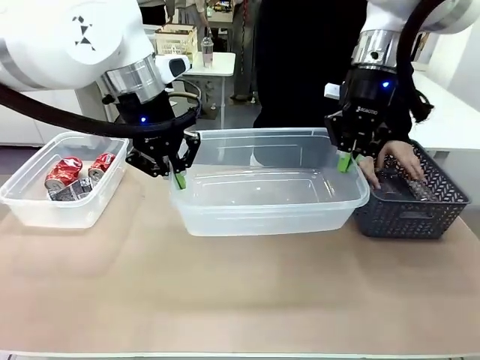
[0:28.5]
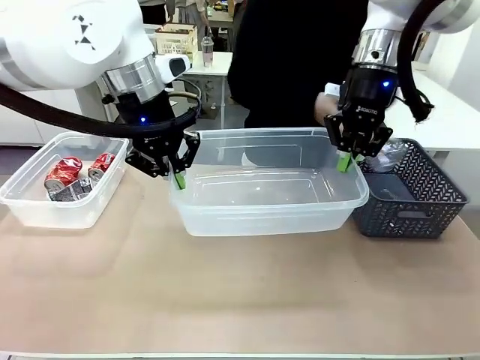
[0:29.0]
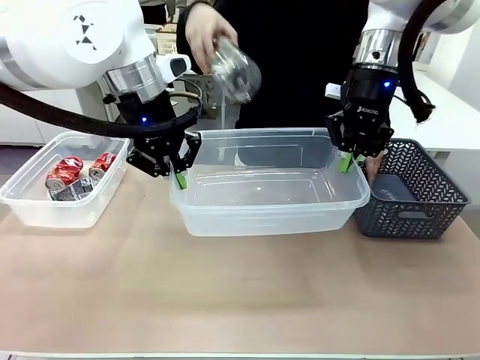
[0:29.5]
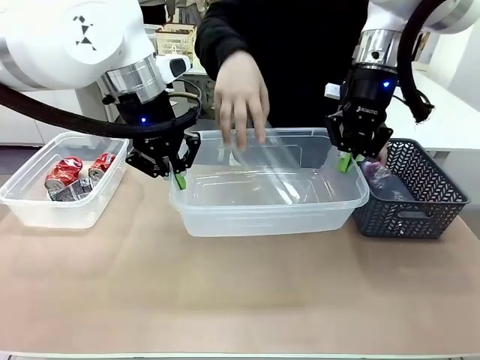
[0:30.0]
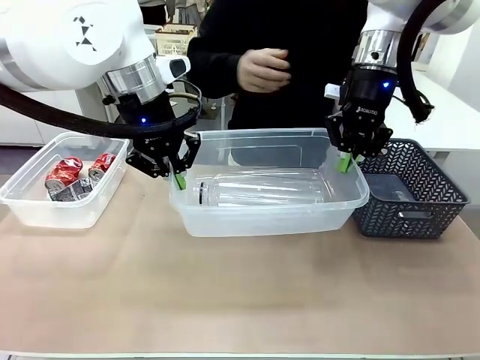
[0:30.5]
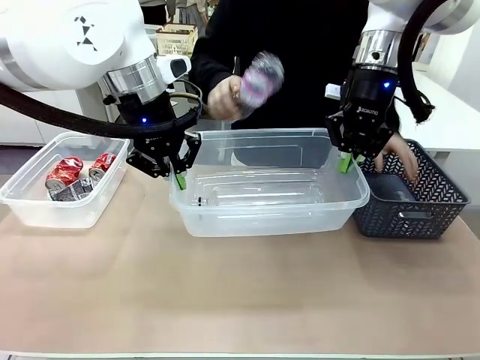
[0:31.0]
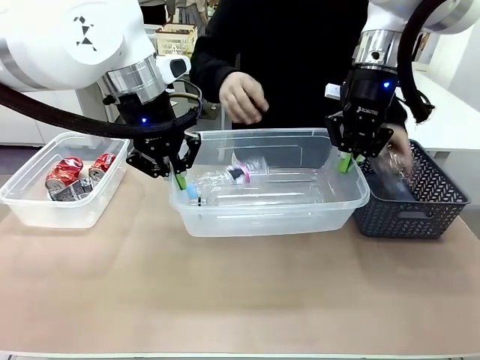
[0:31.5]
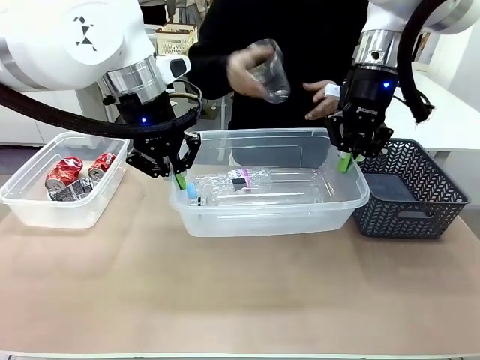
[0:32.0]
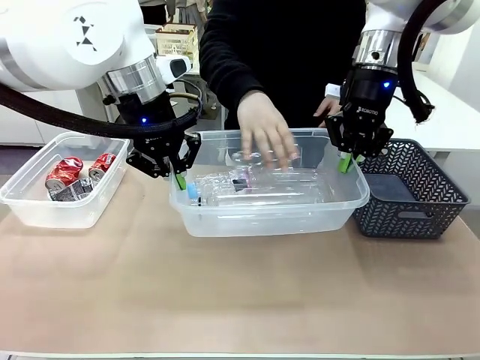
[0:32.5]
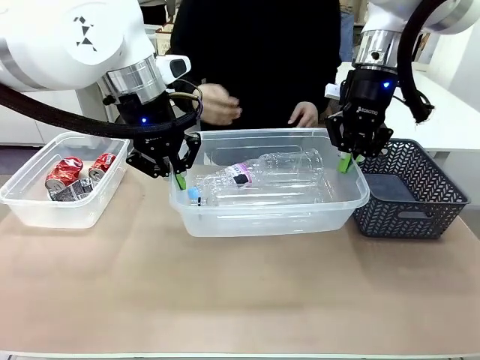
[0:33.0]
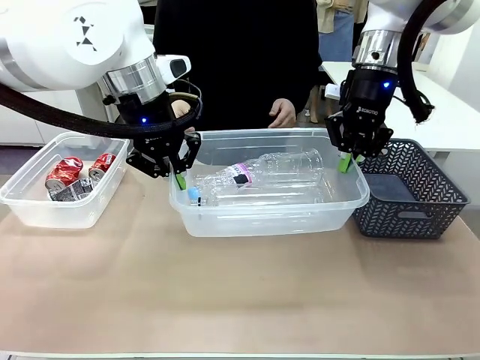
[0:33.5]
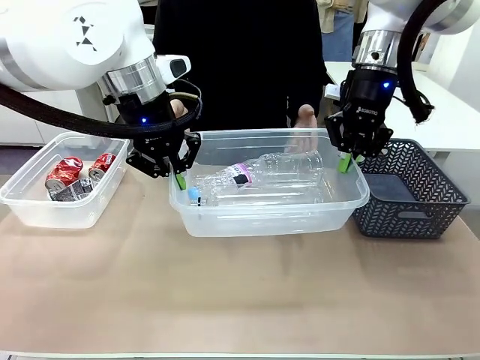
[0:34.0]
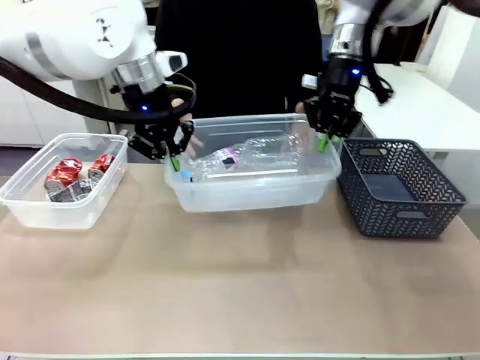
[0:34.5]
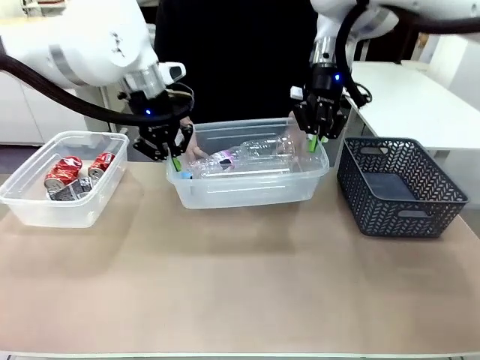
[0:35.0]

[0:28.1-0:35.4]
Robot: Offer the picked Organizing box to the human.
Person: Pick up plastic waste one by one and place it into the organizing box lifted by the robot.

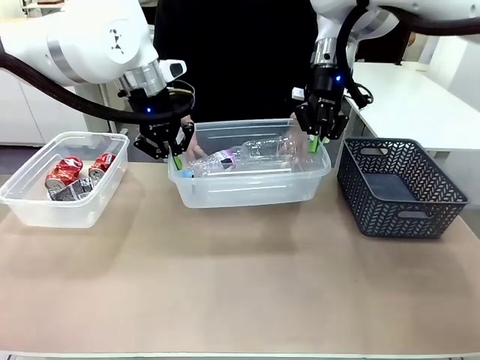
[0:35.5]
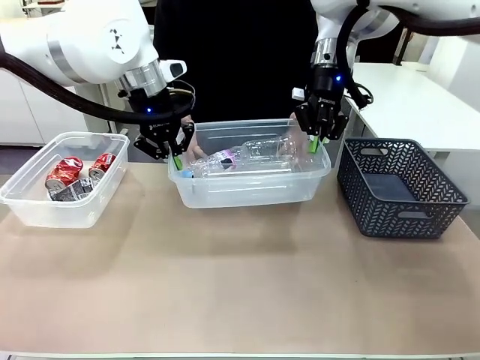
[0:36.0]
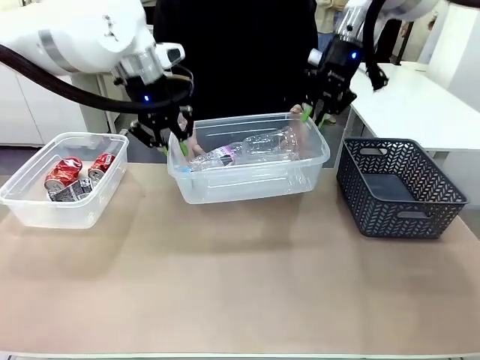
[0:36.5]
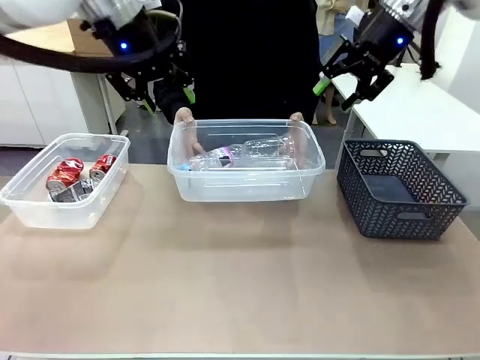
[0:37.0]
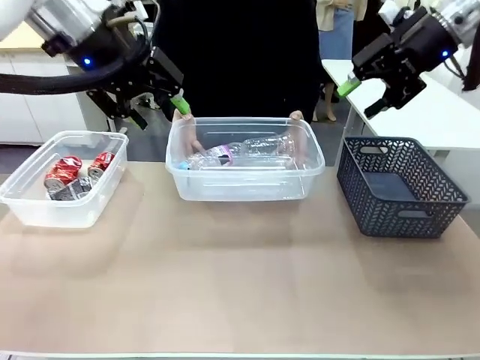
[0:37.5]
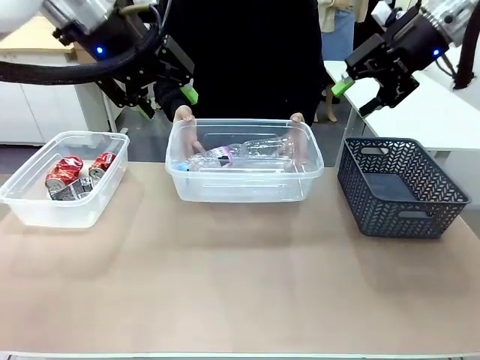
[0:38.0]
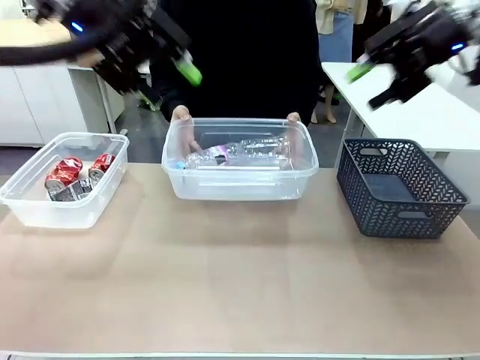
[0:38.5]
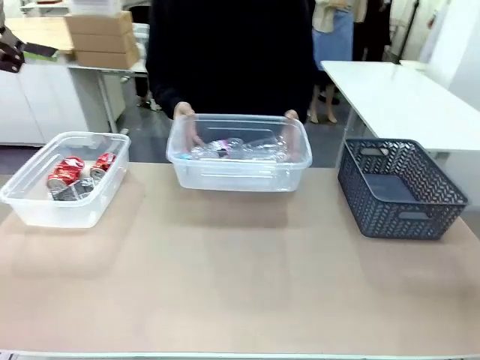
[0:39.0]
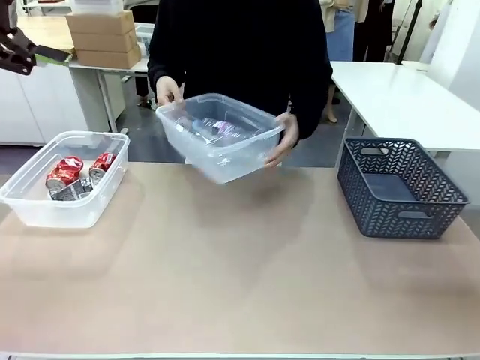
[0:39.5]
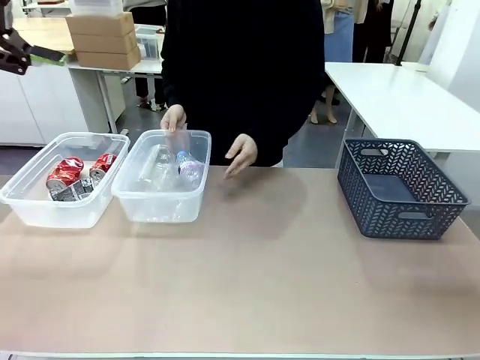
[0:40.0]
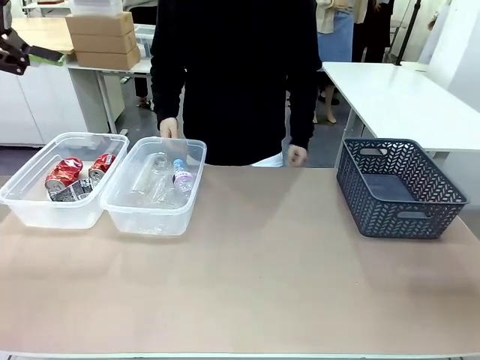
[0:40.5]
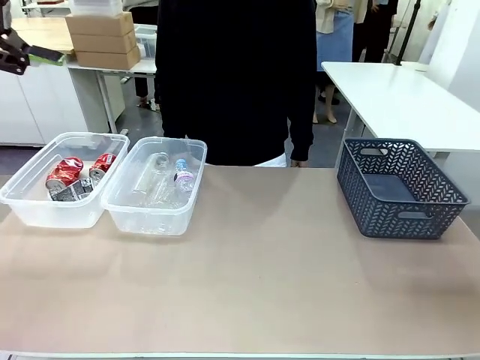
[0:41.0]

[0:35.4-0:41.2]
Robot: Release the Organizing box you were holding.
Person: Pick up the organizing box extended by the robot. Place the organizing box to the left of the sorting box containing the can waste.

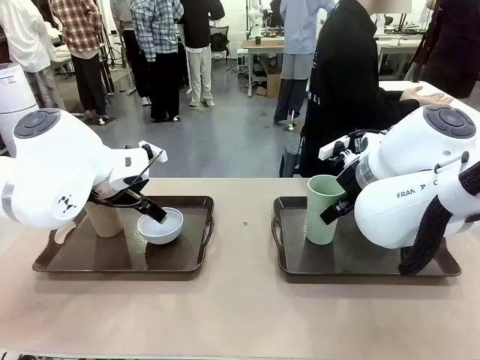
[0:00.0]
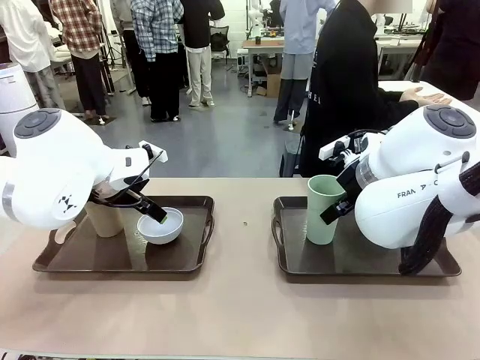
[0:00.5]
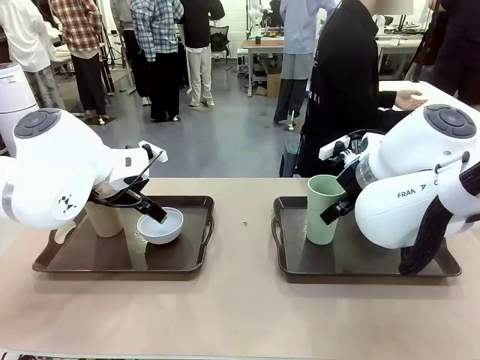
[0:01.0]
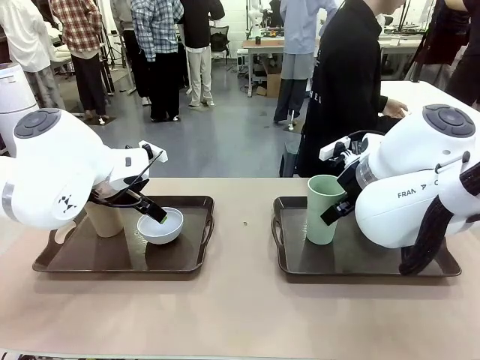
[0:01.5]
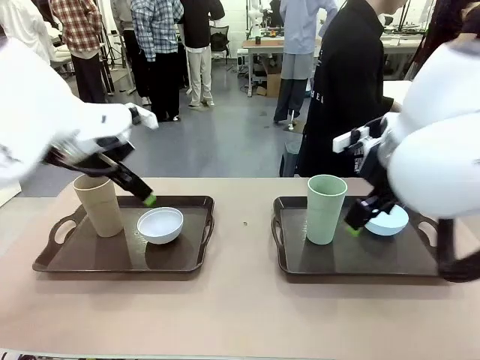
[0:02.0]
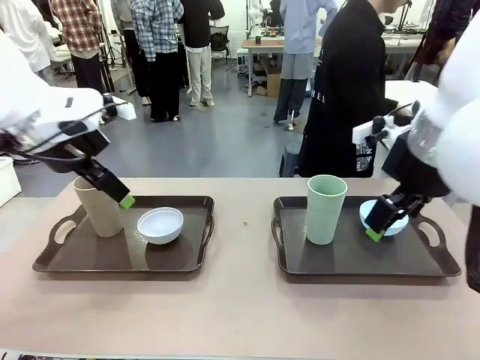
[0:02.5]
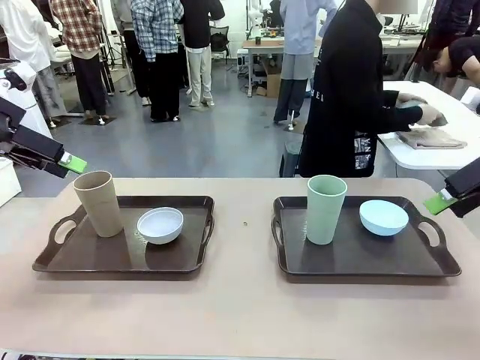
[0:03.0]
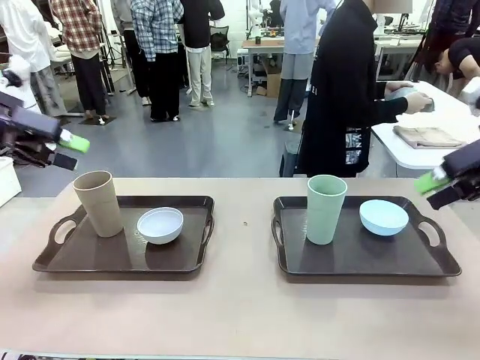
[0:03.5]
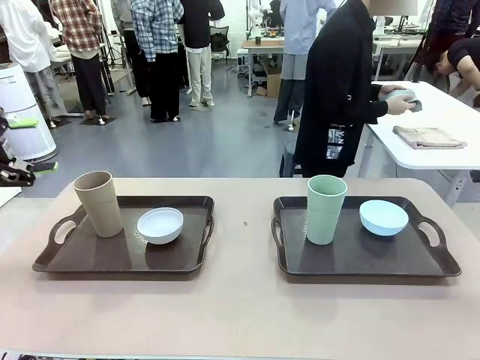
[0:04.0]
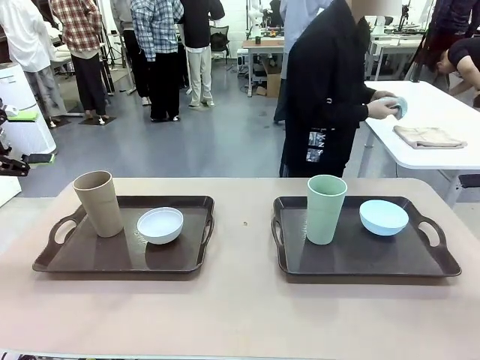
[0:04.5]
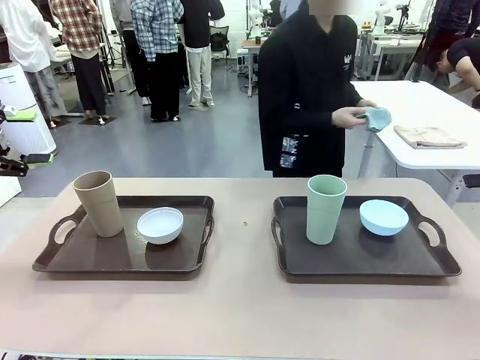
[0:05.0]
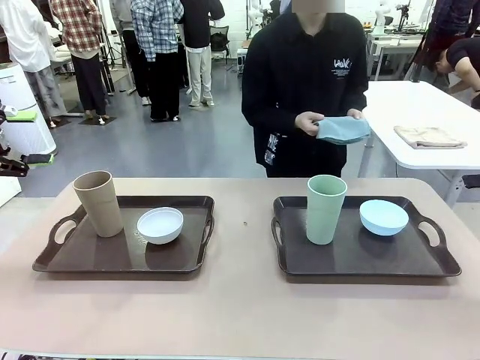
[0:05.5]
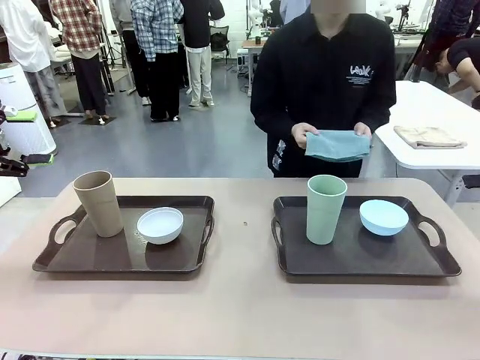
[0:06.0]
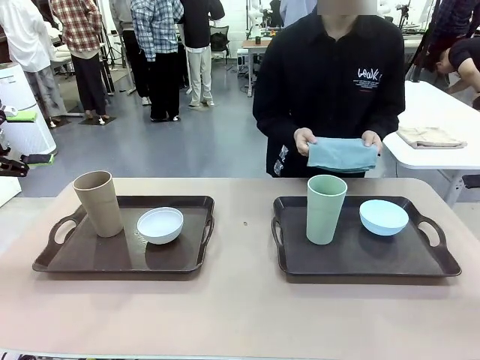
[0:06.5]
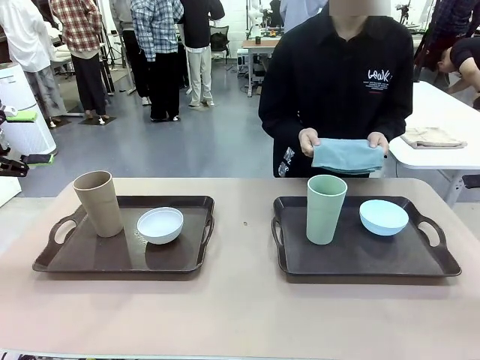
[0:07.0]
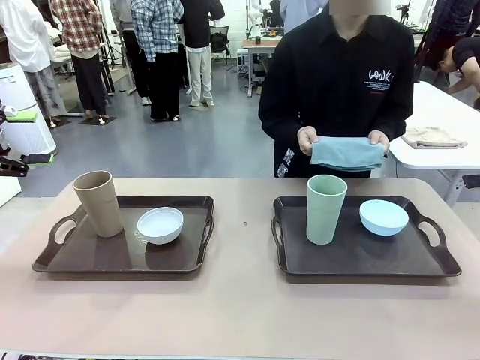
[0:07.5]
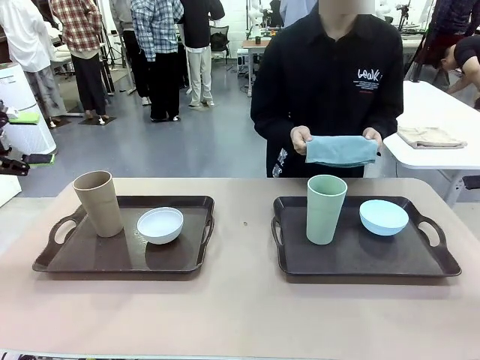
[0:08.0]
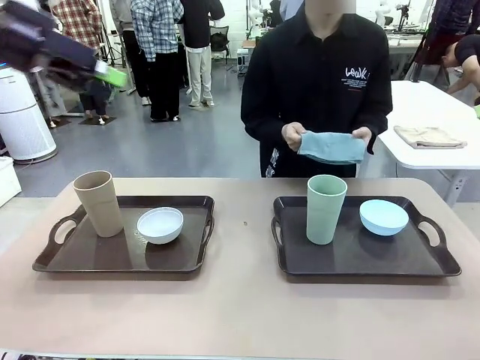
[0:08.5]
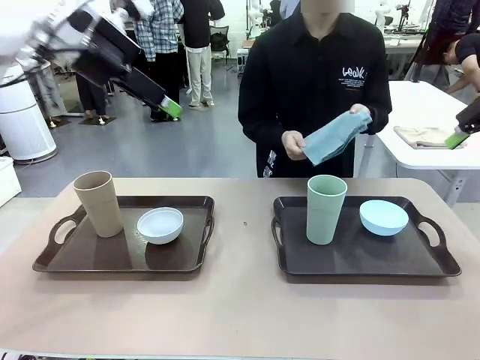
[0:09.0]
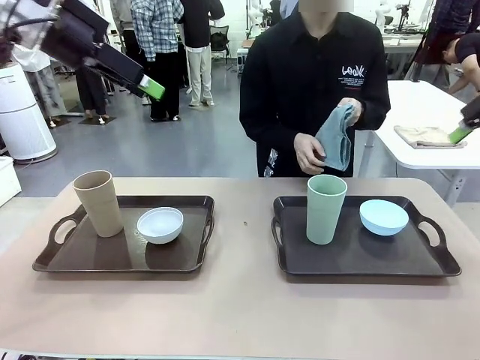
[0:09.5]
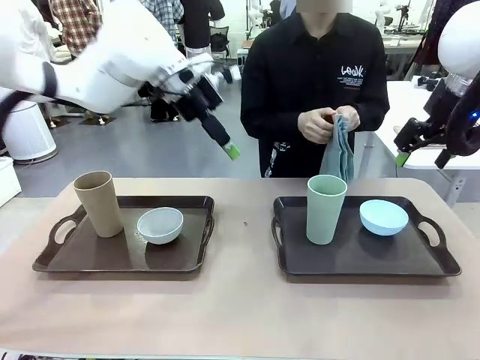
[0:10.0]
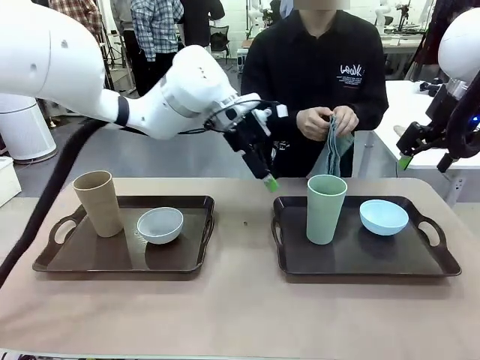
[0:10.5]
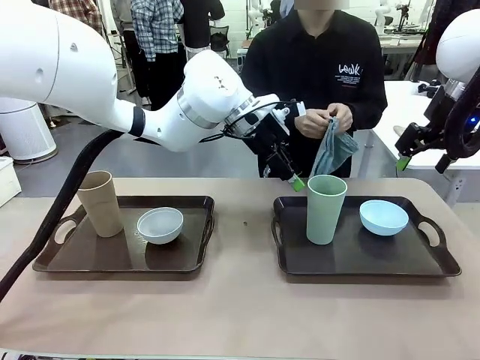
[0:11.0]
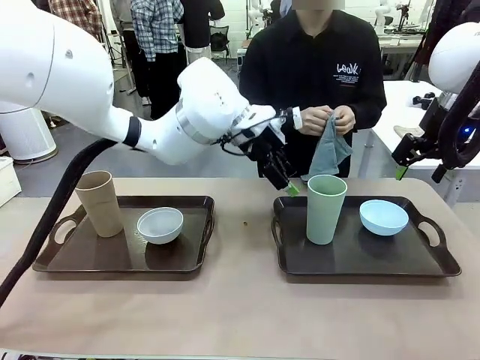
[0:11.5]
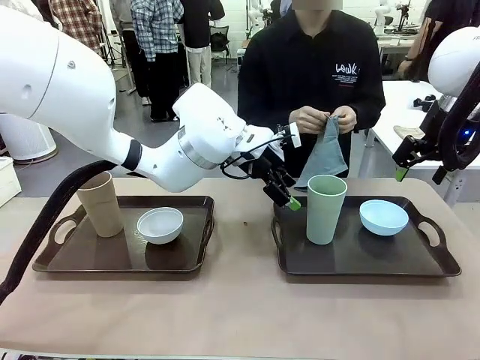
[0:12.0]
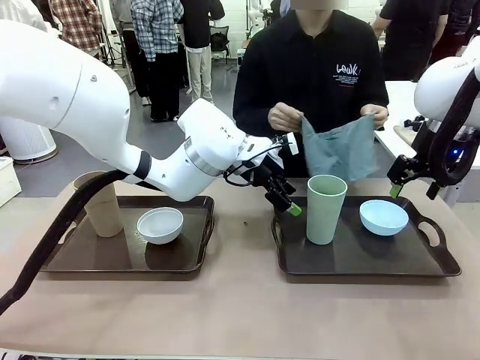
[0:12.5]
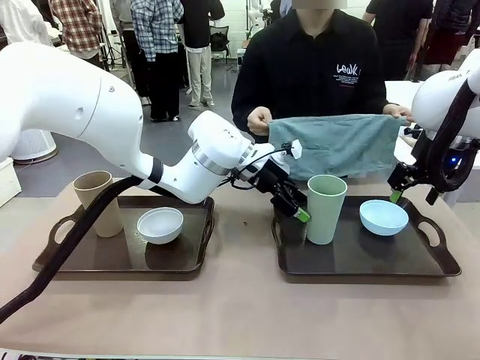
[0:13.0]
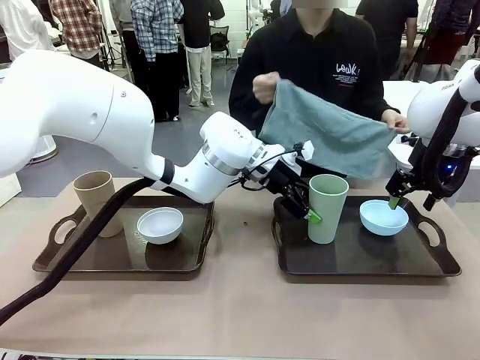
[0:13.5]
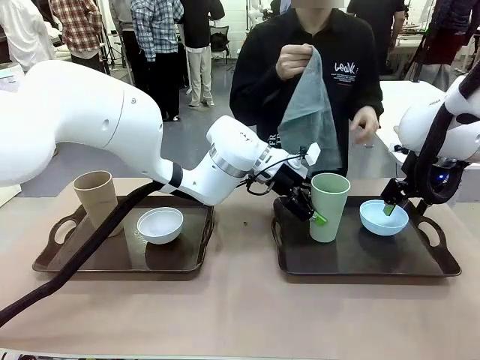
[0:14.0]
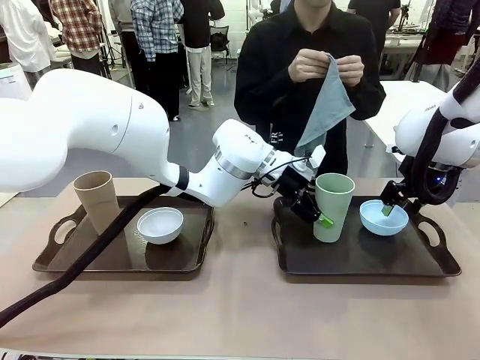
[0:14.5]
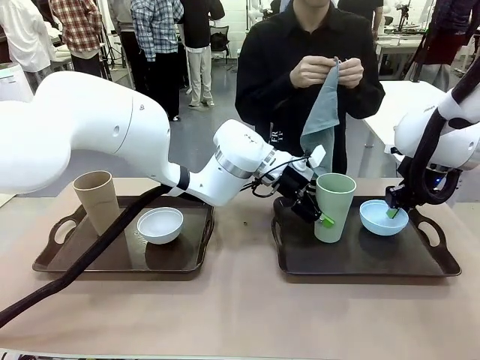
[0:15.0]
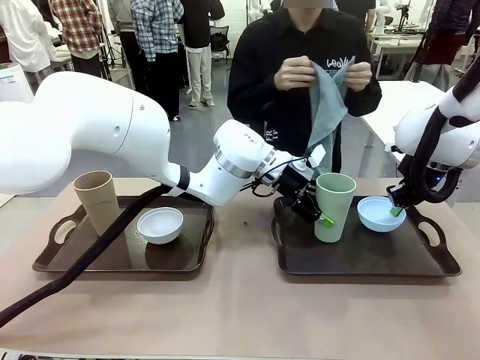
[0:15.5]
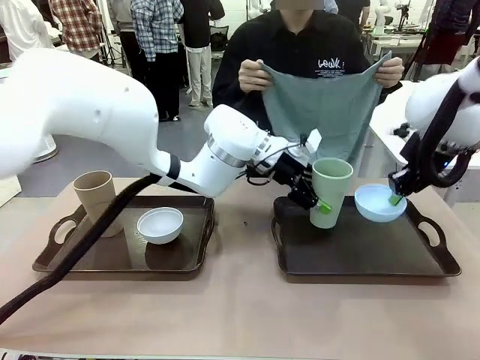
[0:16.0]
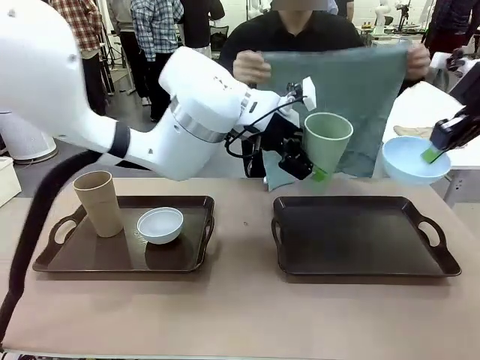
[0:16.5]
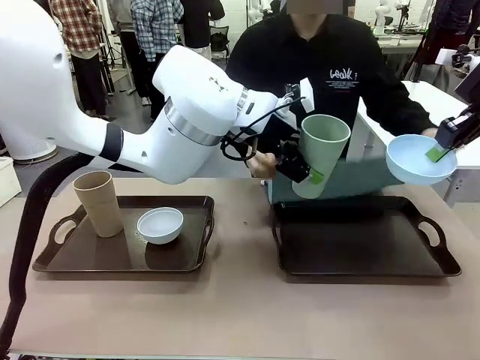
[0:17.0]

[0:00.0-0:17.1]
Robot: Pick up the Picnic Bowl and Reusable plastic cup from the Handle tray in front of the human's position and hold them in the air.
Person: The human picks up the top napkin from the stack on the human table and walks to the robot table to stand in front of one of the two trays. When the robot lifts the bowl and the cup, the human unfolds the napkin and lays the napkin flat on the tray.
